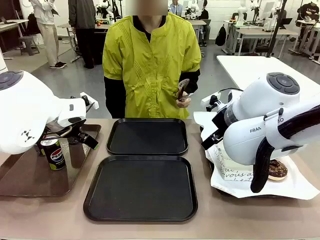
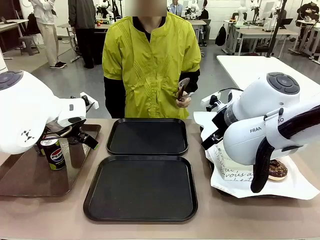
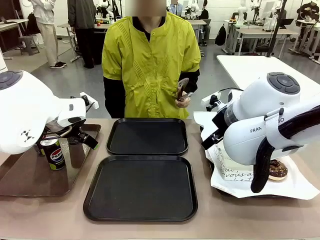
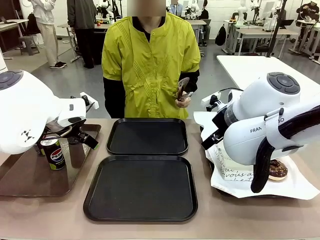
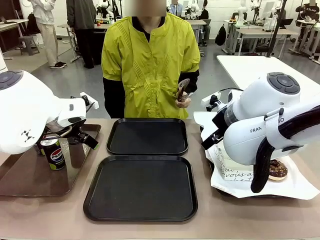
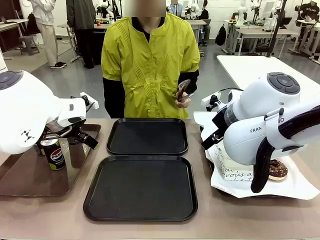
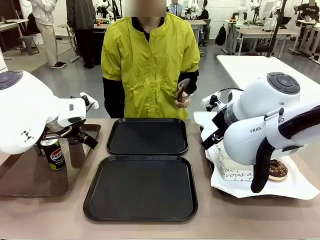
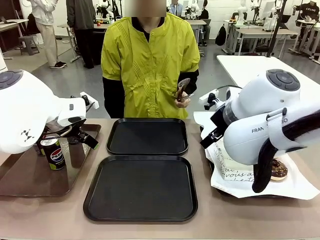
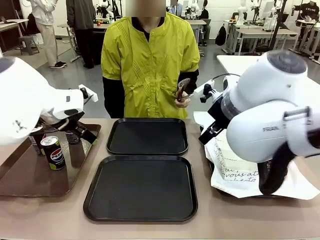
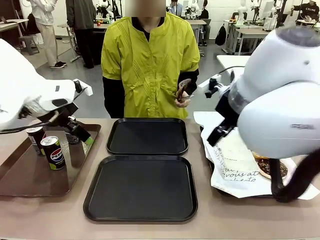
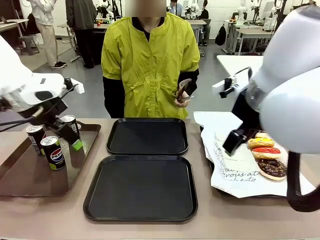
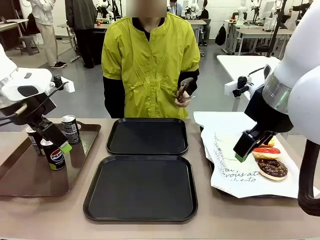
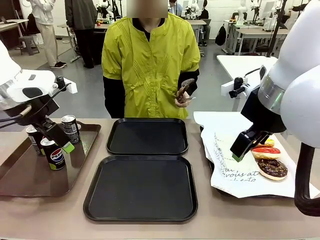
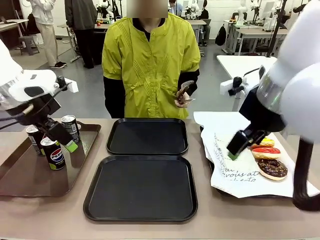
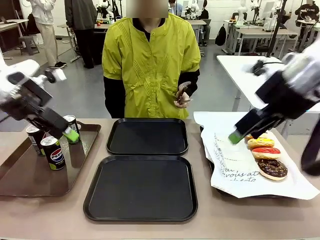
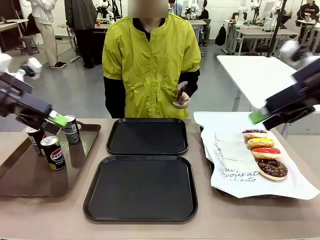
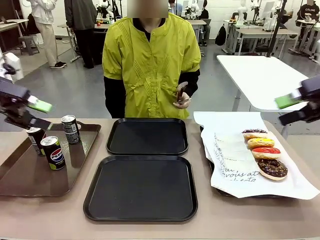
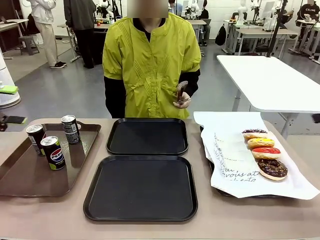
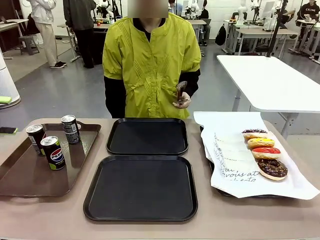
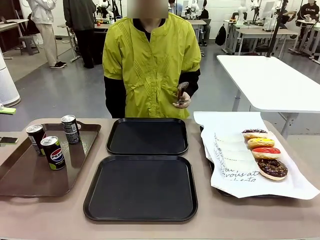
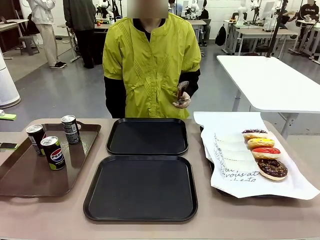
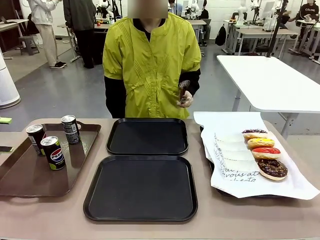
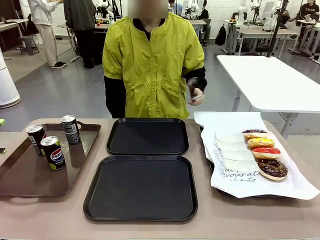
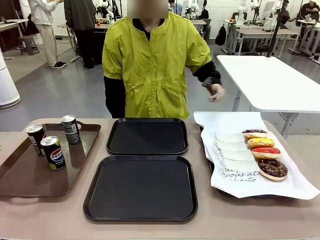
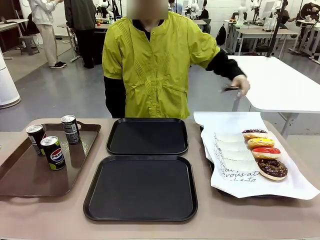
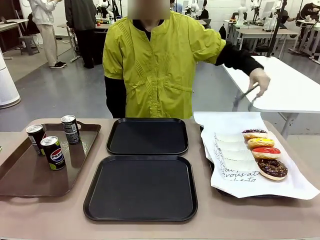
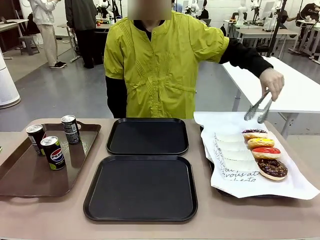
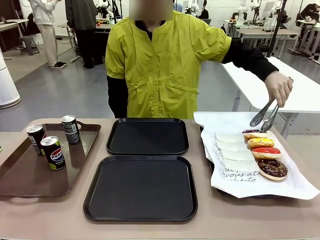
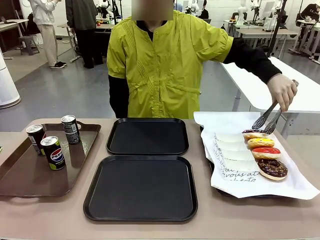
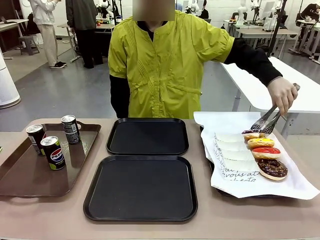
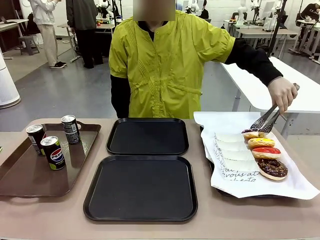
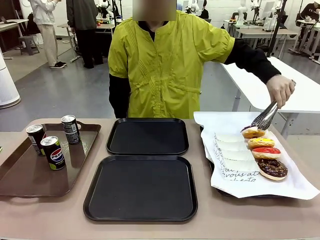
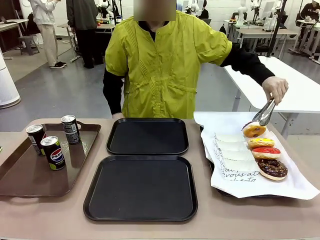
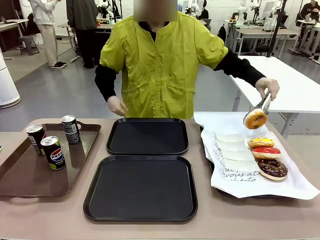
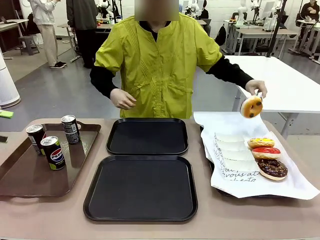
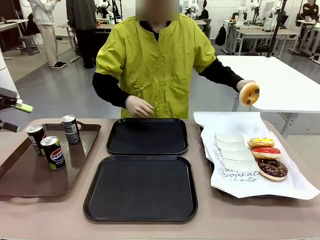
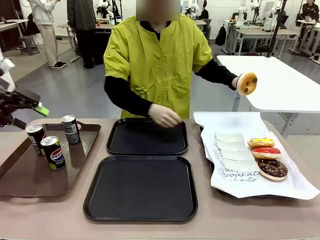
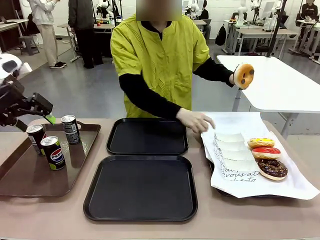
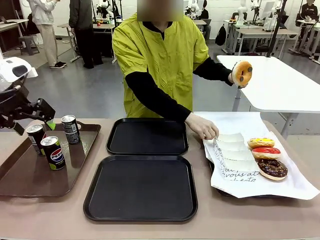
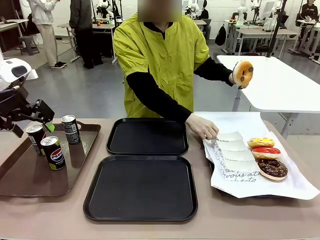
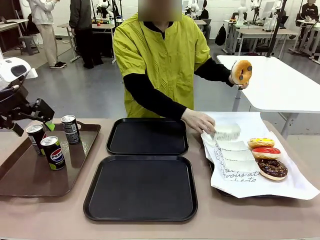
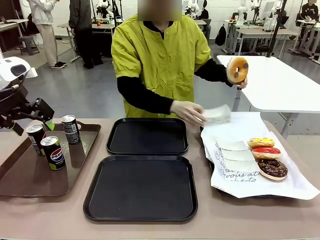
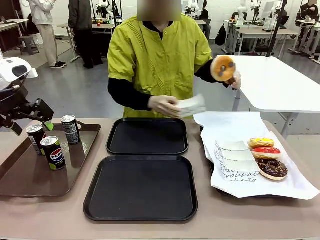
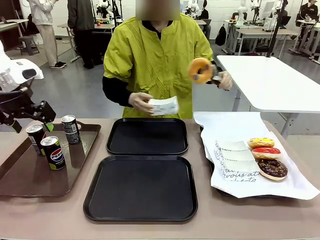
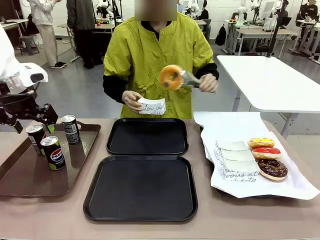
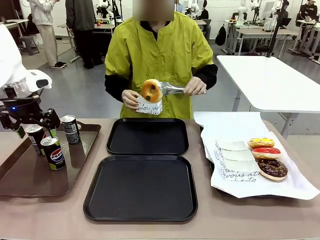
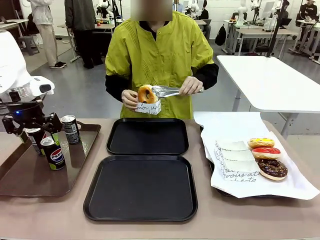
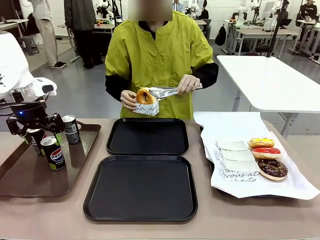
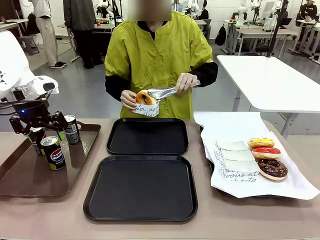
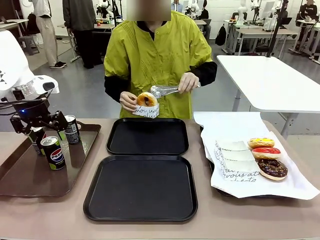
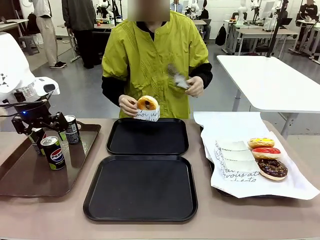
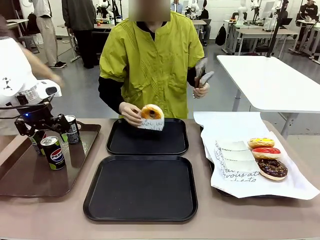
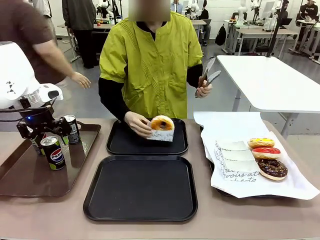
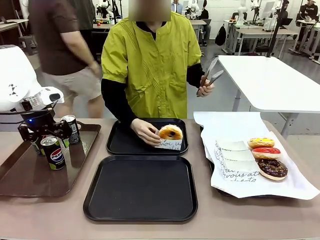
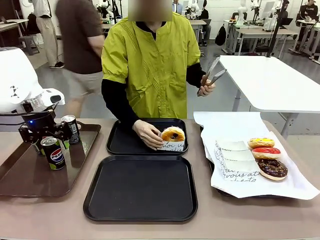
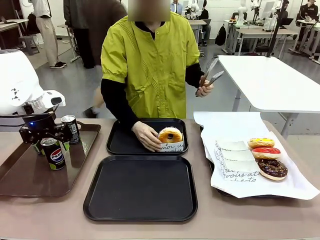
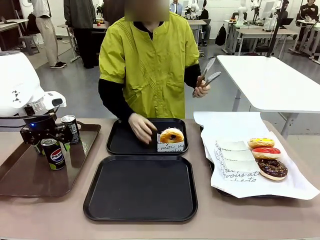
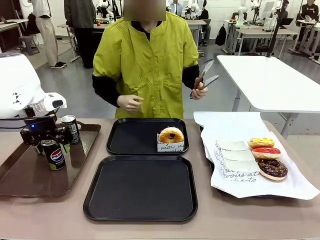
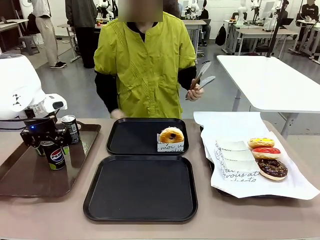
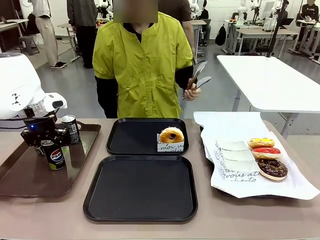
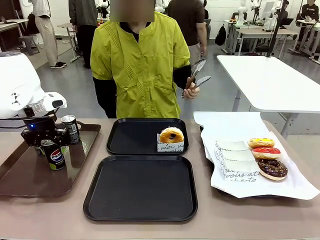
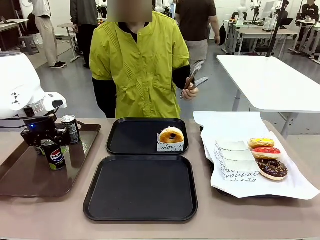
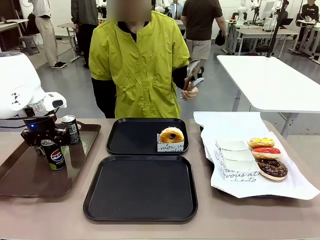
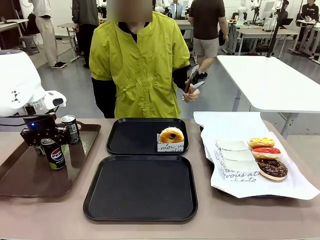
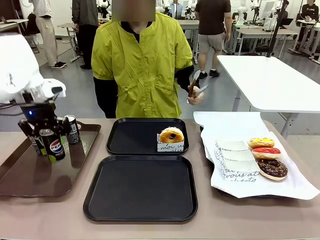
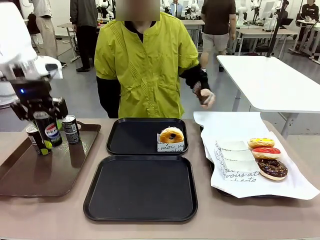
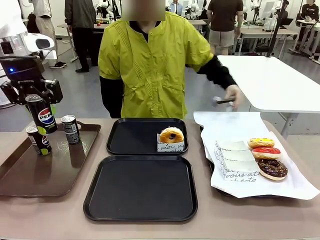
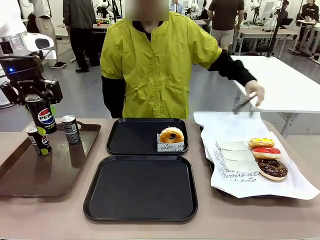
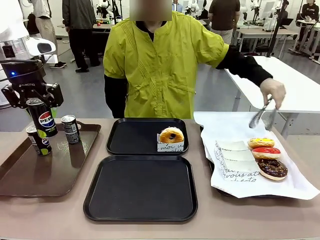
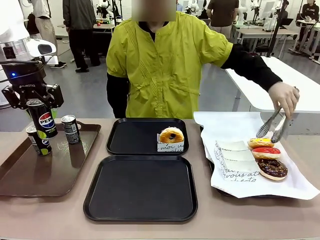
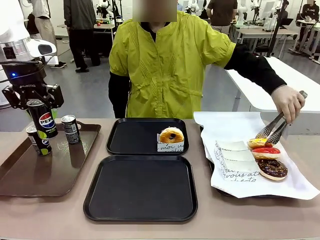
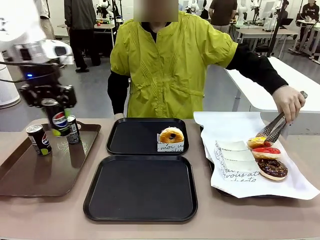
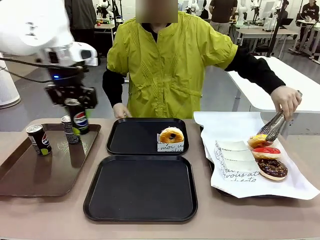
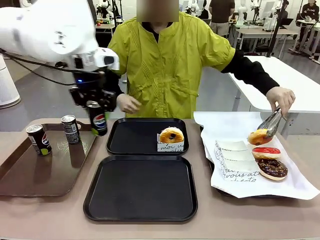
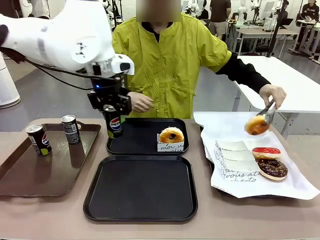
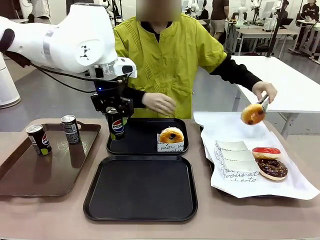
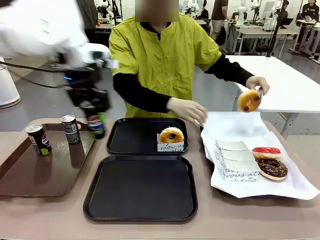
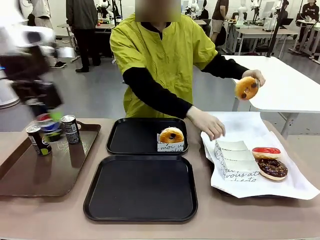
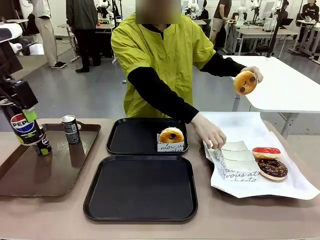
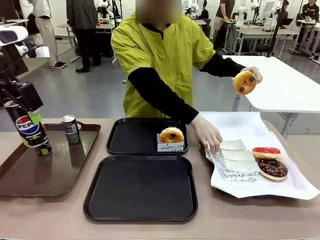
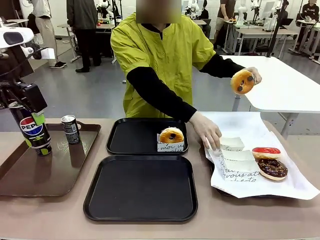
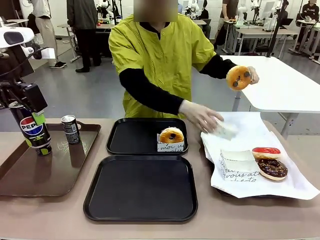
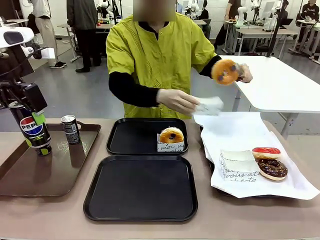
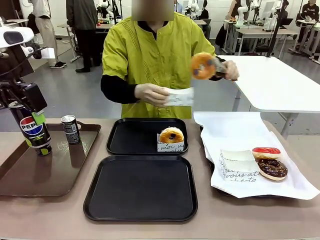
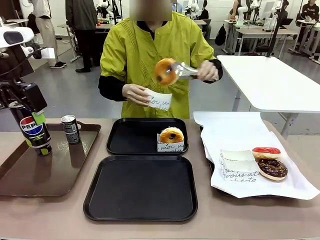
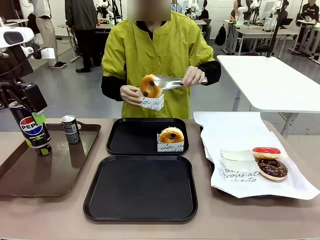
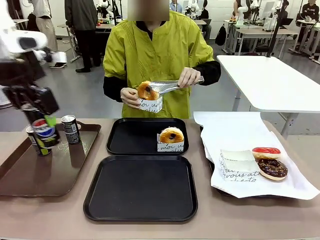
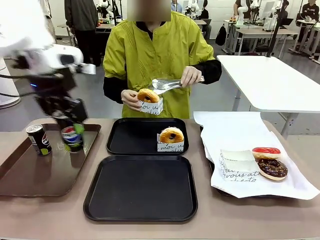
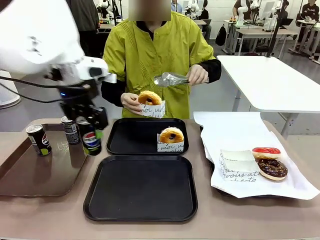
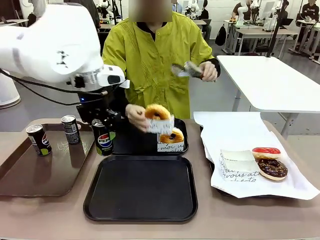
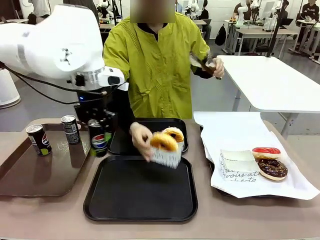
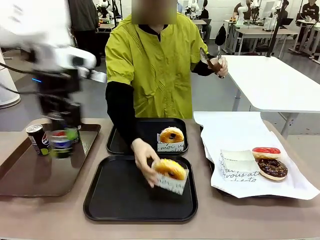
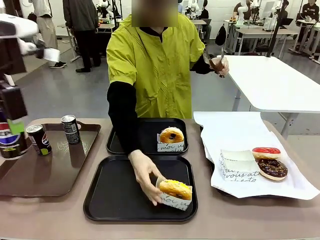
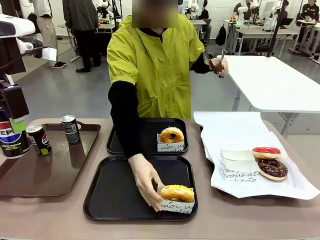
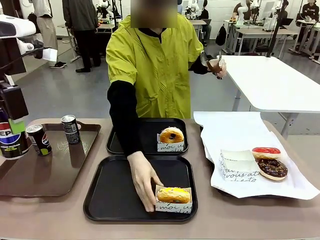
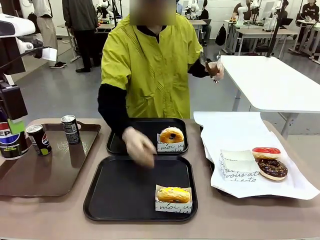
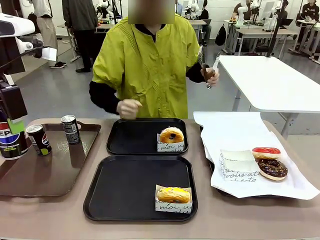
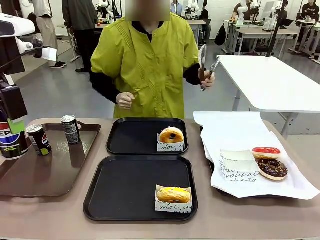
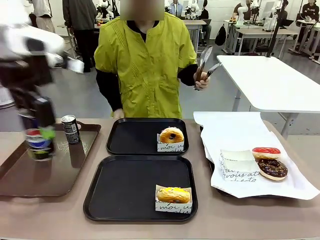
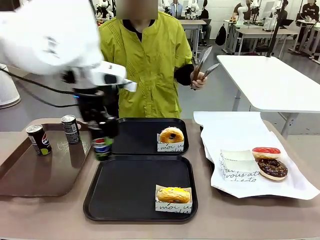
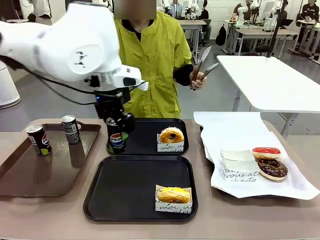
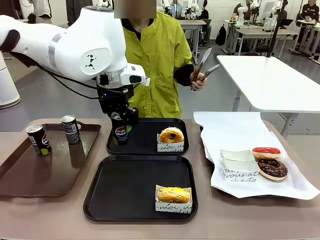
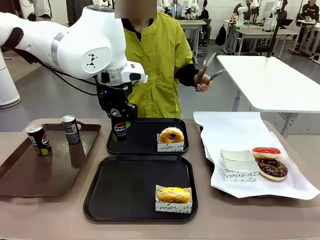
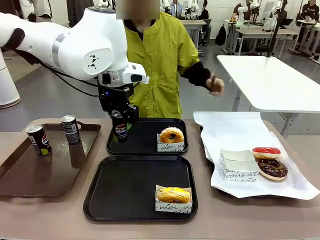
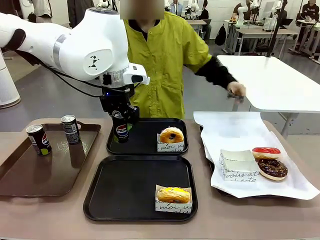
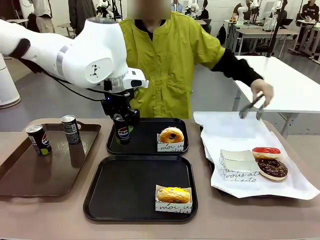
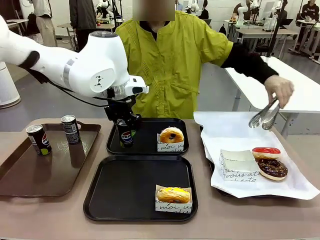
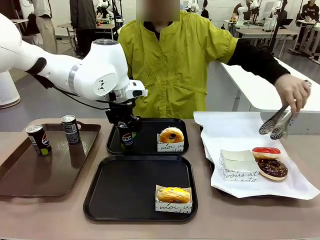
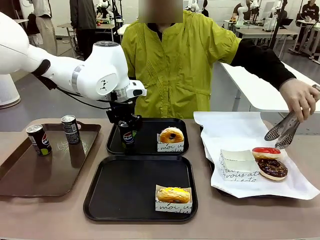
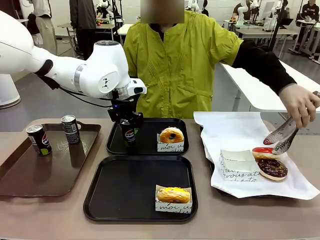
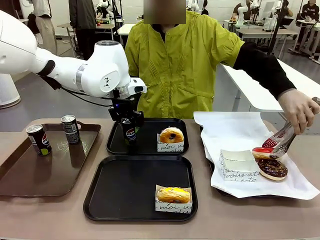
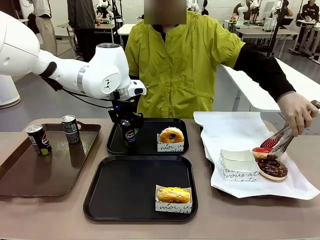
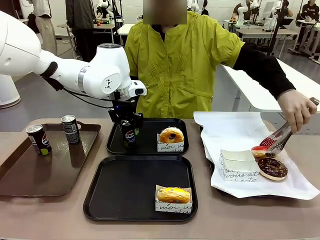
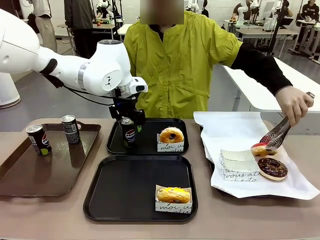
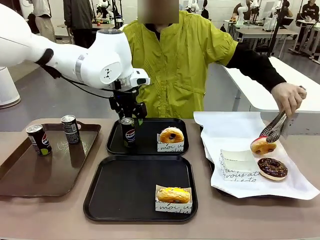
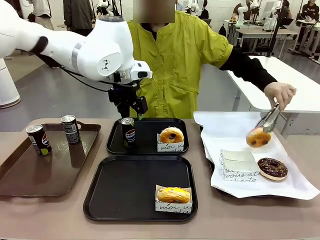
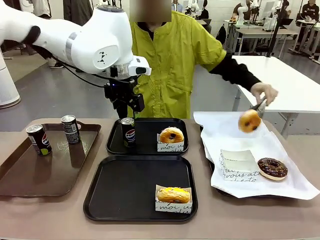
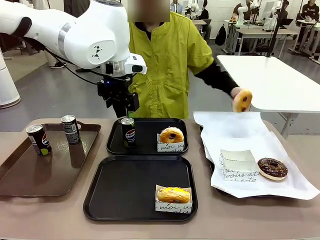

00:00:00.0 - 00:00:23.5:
Task: Set up donuts and drinks on trays.
Robot: Pick up one Pepsi coke and place it on the Flat Tray.
Person: Pick up one donut with tongs, place it in the donut tray, and then place the donut tray on the flat tray.
